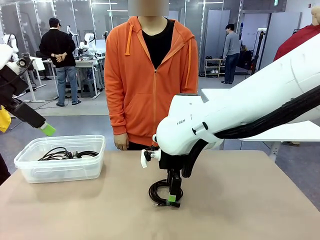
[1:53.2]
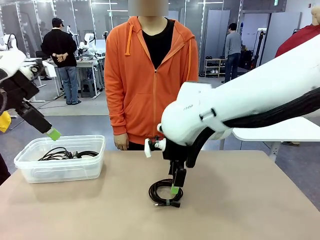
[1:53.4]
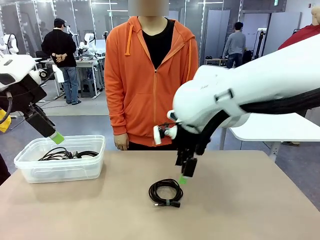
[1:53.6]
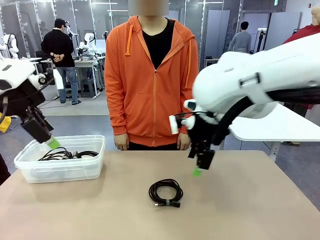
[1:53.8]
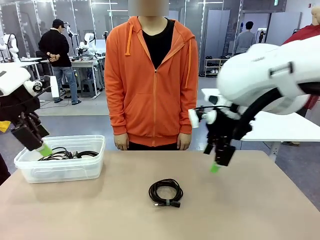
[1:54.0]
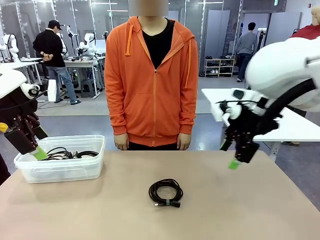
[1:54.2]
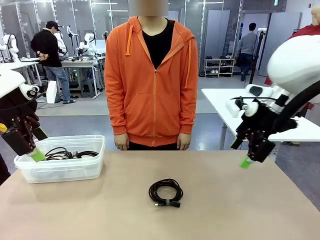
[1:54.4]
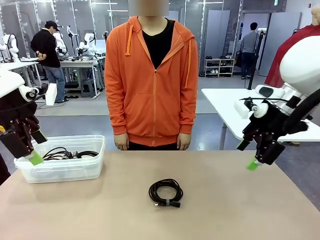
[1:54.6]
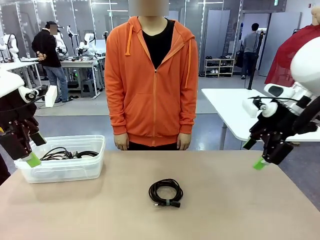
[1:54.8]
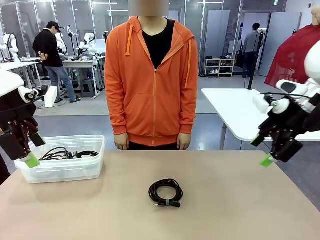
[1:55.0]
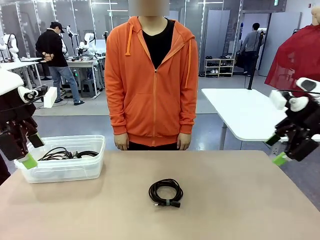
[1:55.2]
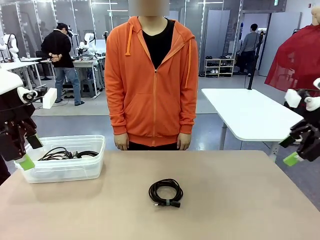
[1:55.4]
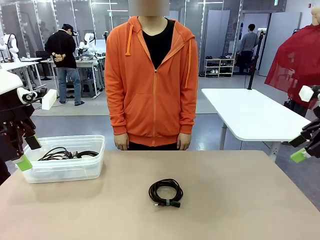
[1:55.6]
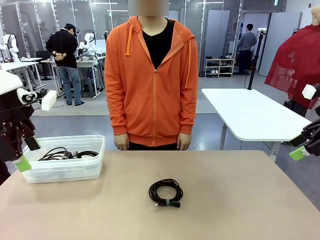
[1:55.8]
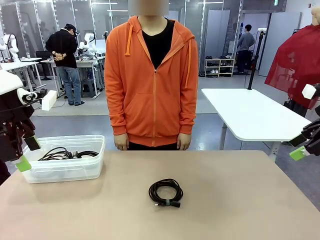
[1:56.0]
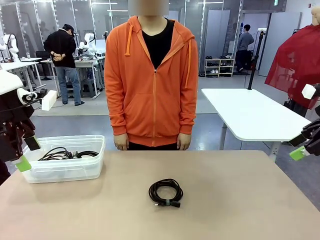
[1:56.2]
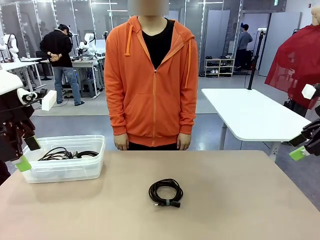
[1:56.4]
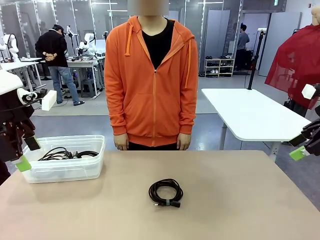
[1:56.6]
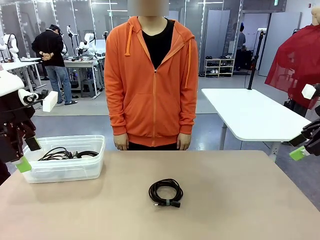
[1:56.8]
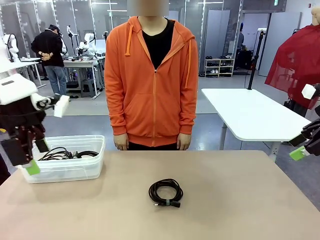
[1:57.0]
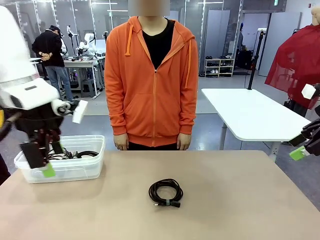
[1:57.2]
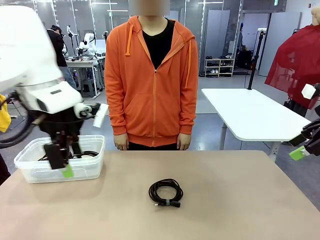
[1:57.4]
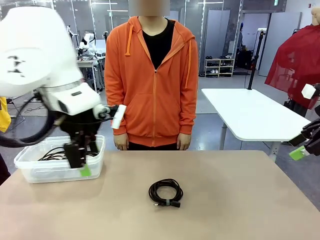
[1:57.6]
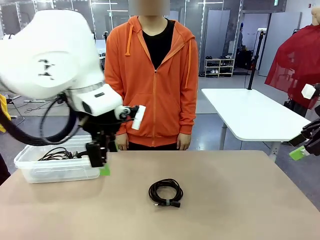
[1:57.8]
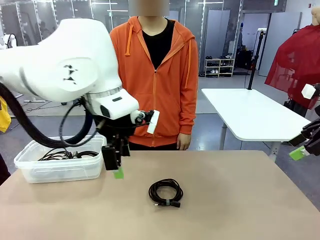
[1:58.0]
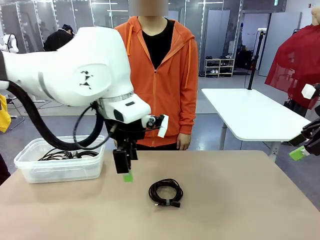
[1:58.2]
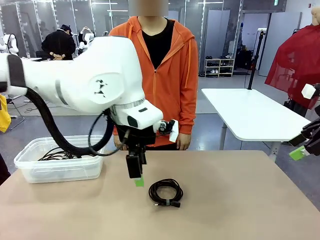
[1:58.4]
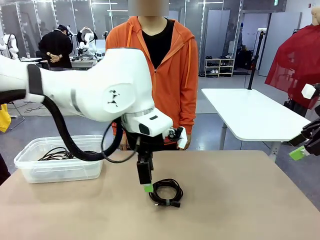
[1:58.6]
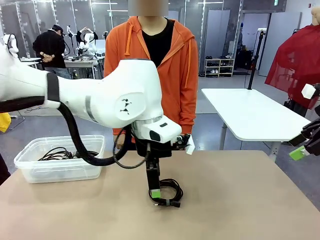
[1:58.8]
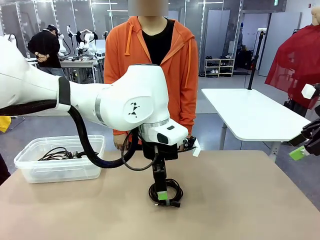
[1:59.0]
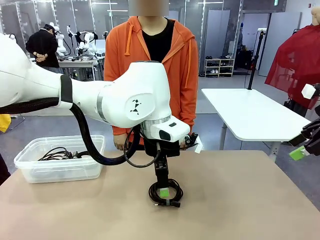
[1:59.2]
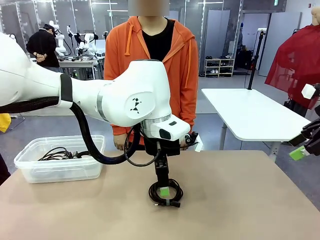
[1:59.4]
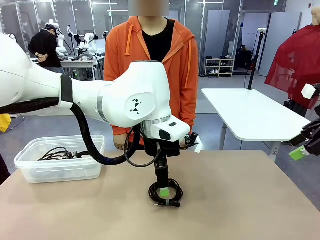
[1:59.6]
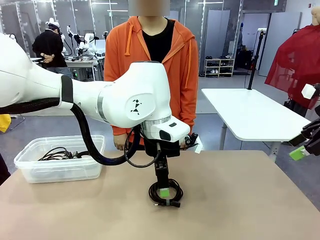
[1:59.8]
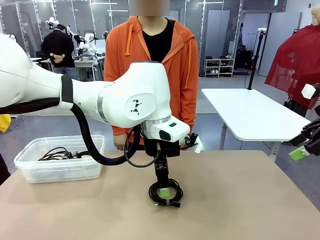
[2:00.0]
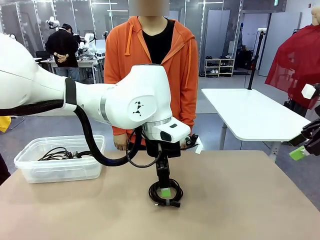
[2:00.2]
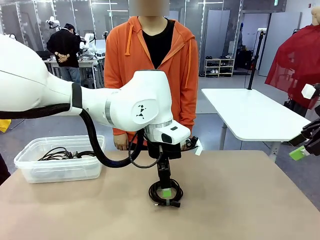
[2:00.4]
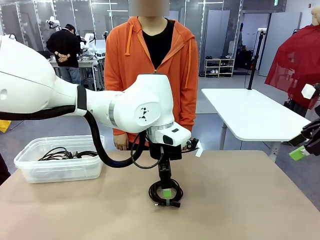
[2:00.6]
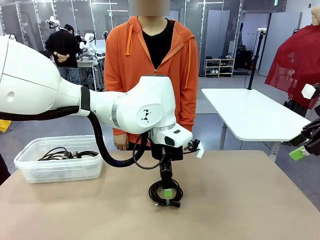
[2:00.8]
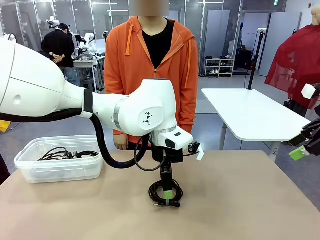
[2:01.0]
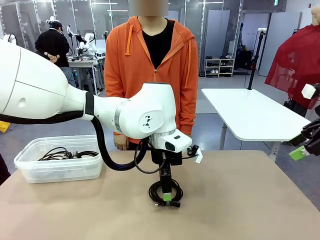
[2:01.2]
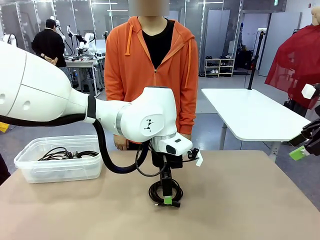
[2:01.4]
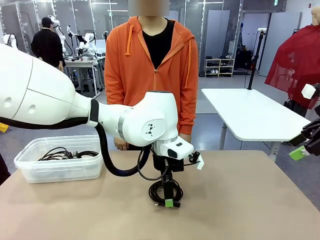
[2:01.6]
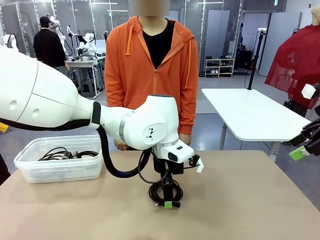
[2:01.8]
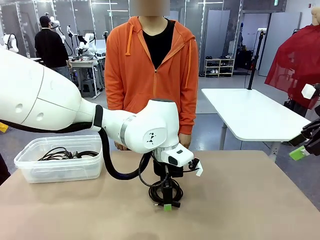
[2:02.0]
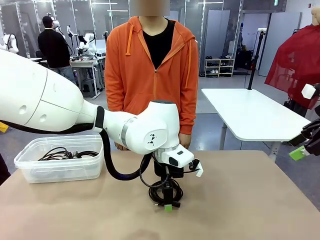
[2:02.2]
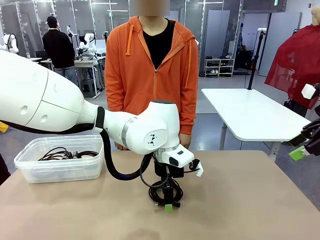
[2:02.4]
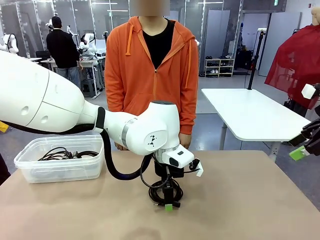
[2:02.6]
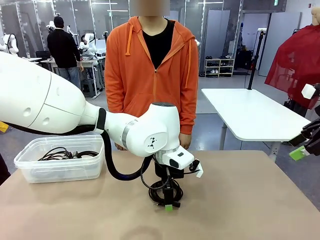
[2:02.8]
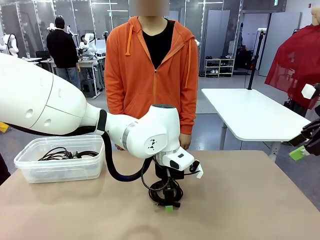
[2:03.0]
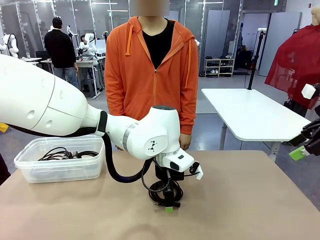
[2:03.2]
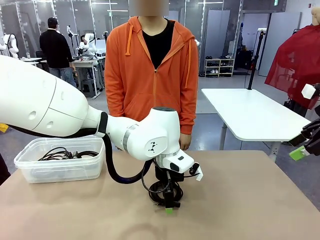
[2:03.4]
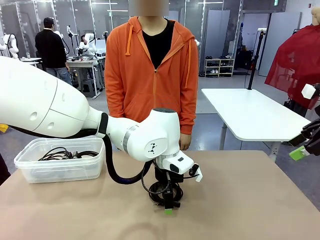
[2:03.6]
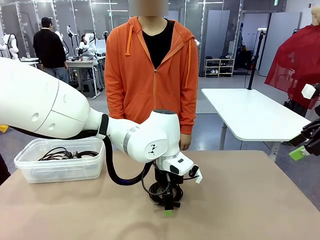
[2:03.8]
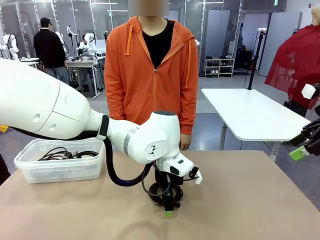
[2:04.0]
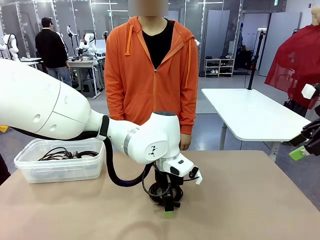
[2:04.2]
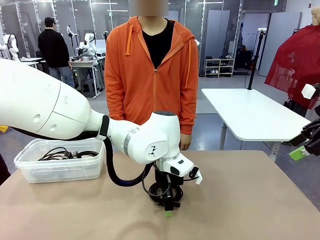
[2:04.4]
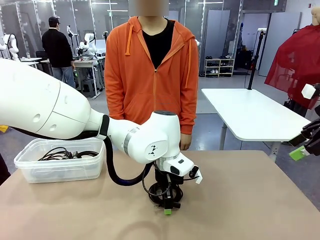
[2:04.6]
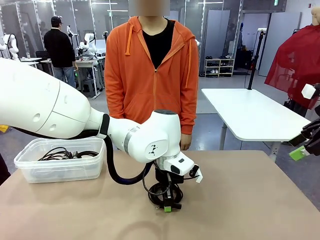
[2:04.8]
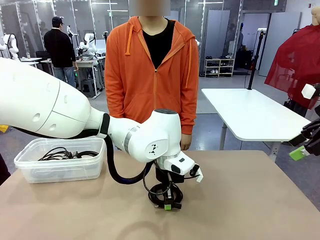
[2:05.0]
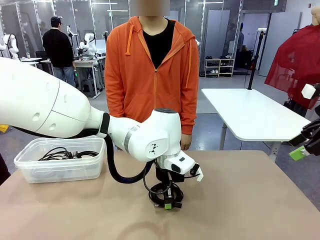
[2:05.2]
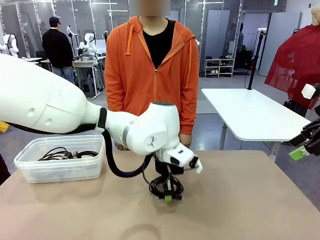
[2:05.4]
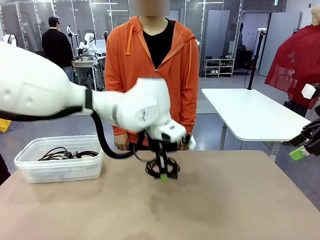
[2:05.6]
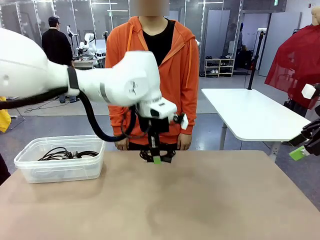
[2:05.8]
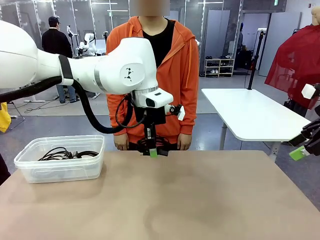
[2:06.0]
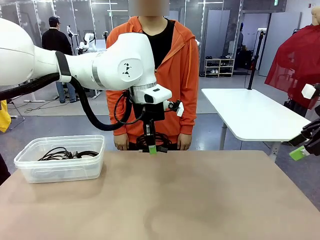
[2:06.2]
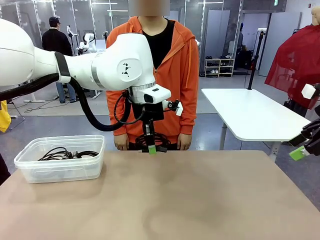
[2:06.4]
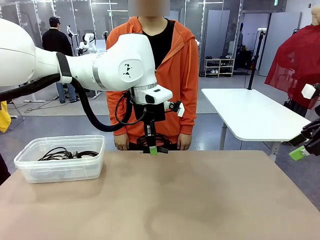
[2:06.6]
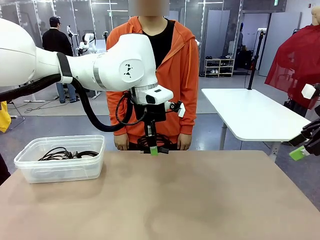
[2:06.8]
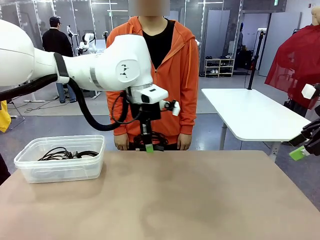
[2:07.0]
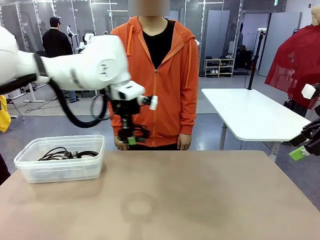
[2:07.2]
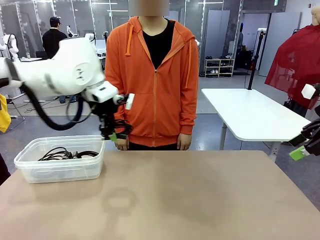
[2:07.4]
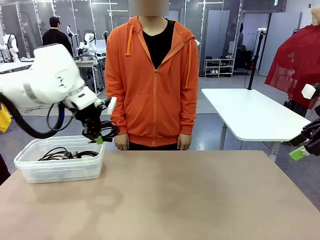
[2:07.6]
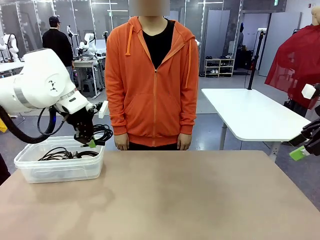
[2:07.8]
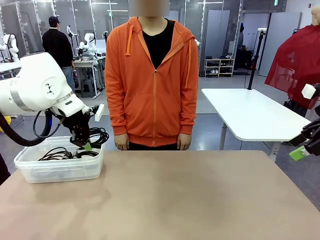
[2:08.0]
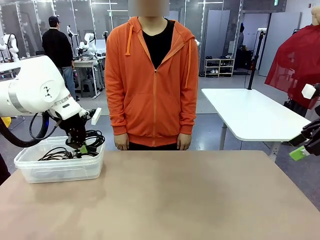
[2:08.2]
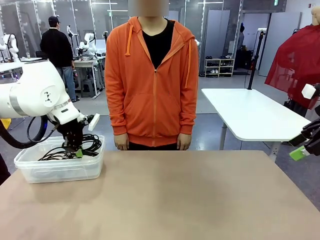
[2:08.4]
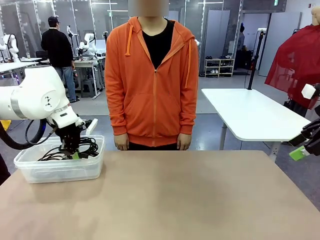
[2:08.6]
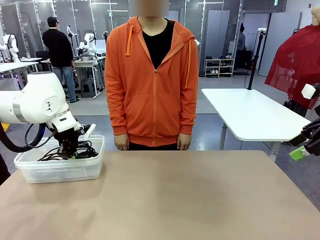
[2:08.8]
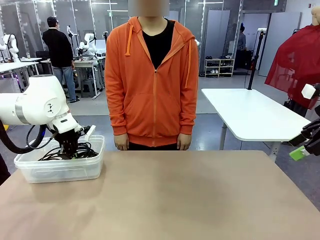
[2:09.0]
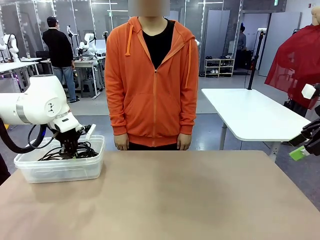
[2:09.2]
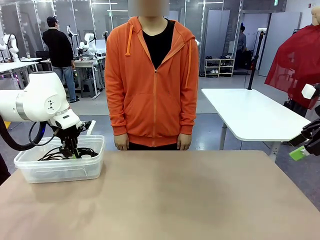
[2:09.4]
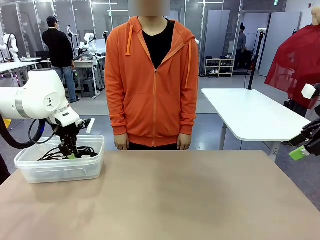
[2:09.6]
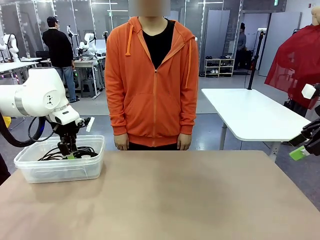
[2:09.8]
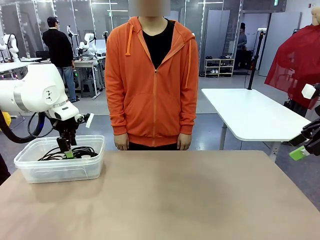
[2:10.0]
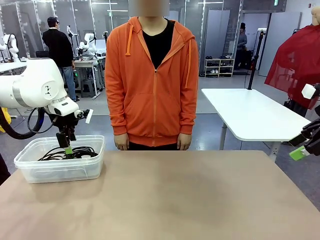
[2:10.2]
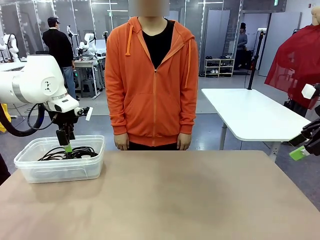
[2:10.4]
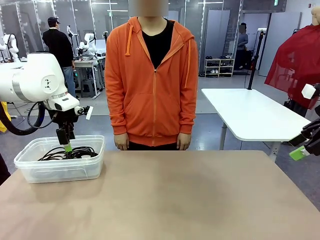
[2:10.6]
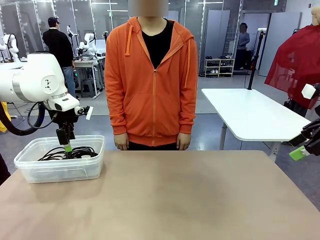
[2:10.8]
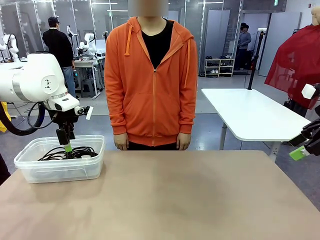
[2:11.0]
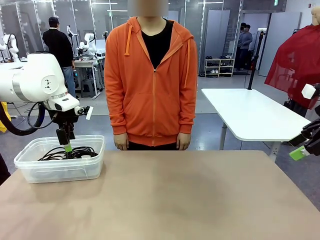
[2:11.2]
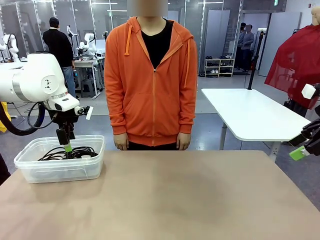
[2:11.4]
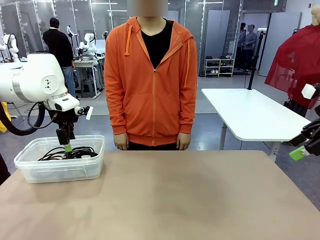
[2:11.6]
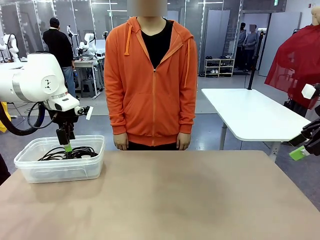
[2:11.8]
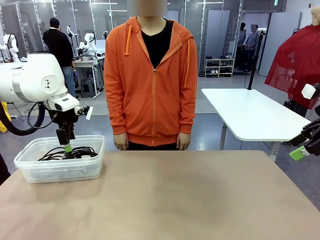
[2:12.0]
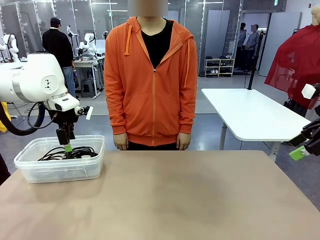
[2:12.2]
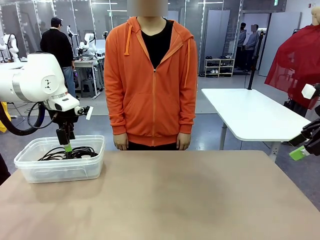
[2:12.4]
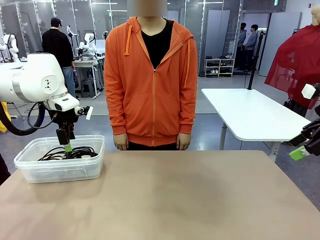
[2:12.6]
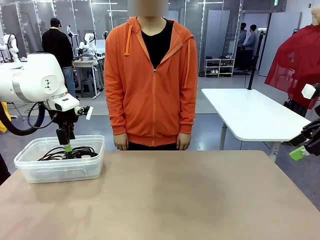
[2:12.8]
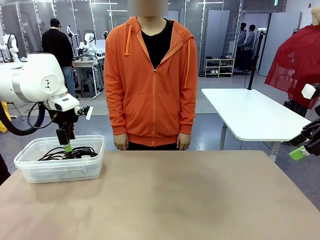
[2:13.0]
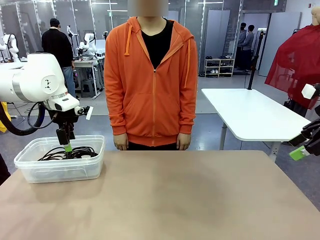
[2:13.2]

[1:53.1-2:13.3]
Task: Organize and store the cables.
Robot: Place the USB Extension Cable into the Organizing box.
